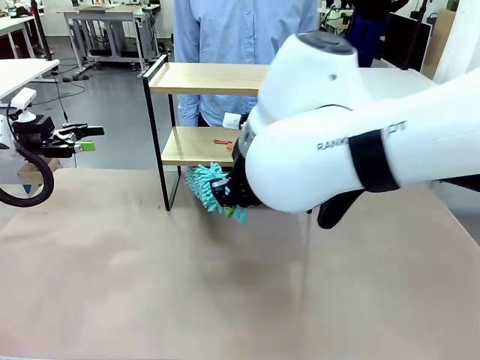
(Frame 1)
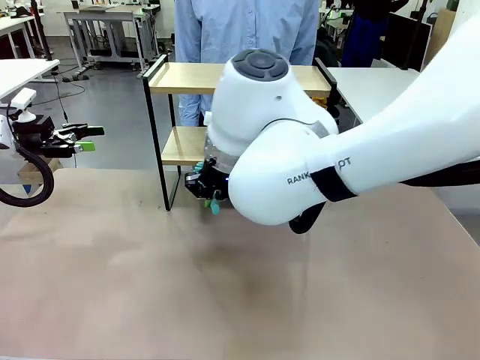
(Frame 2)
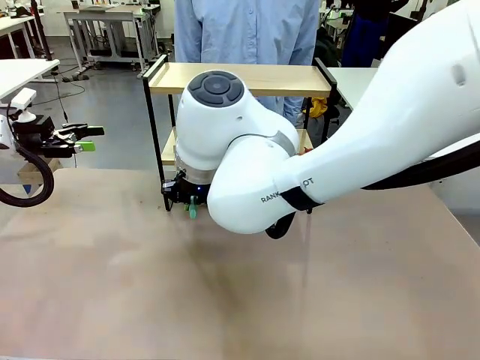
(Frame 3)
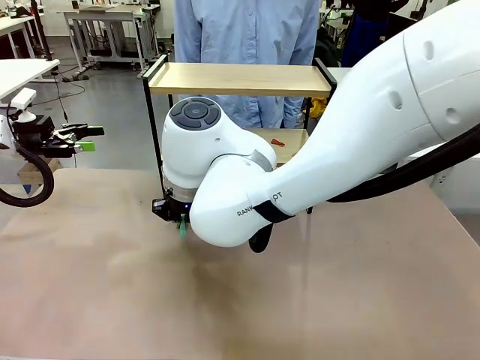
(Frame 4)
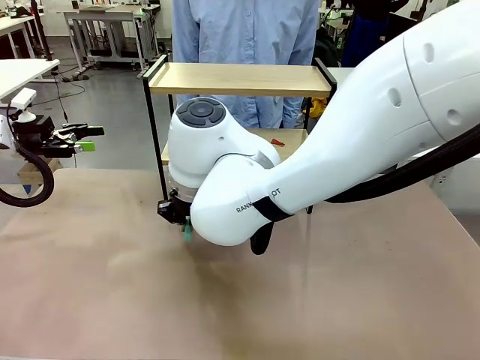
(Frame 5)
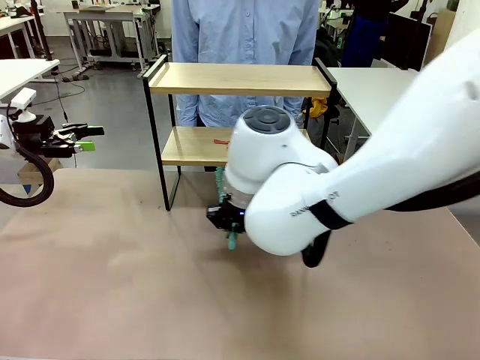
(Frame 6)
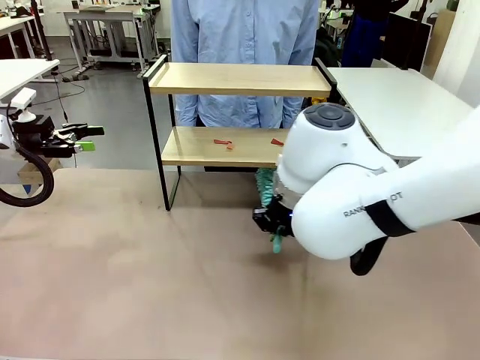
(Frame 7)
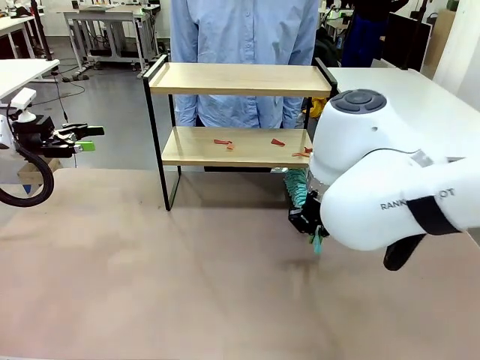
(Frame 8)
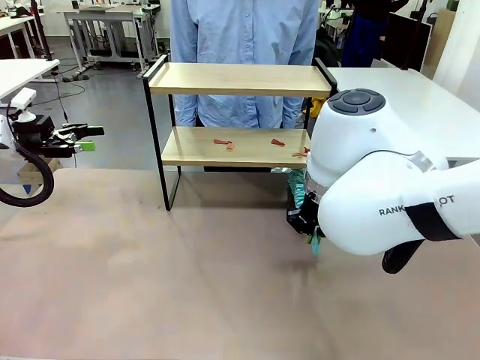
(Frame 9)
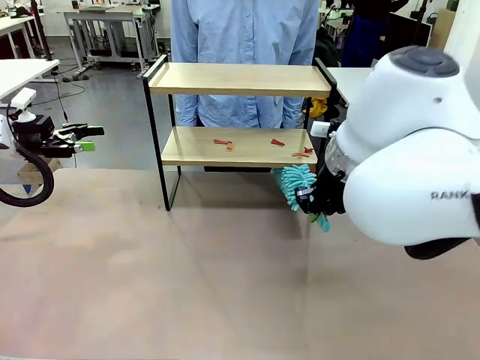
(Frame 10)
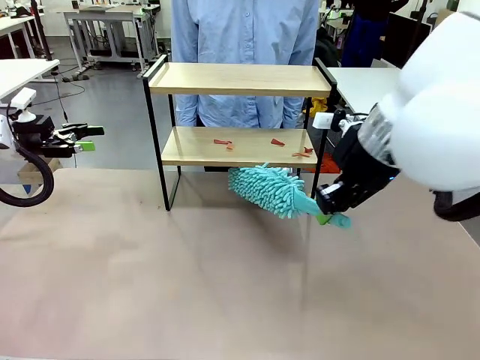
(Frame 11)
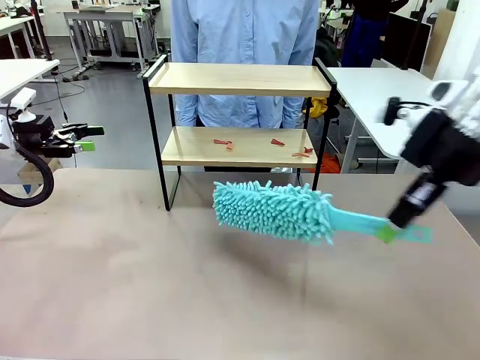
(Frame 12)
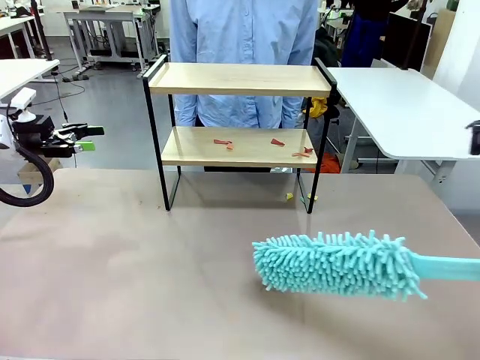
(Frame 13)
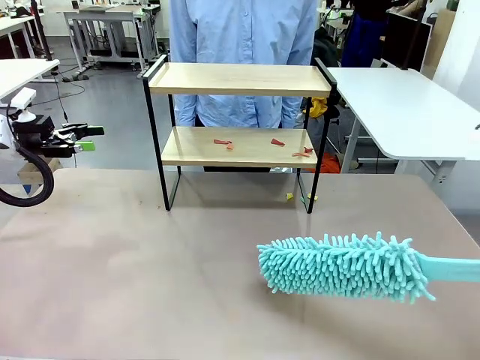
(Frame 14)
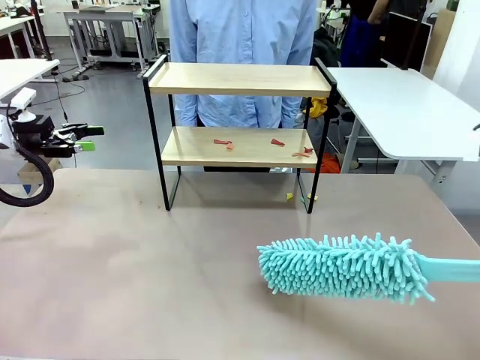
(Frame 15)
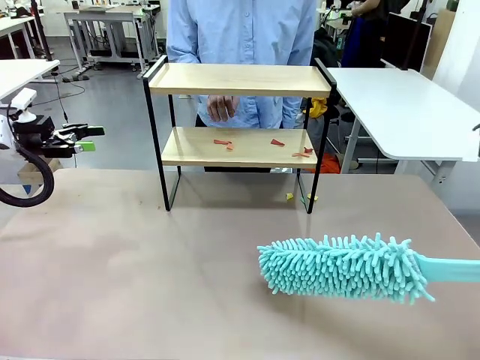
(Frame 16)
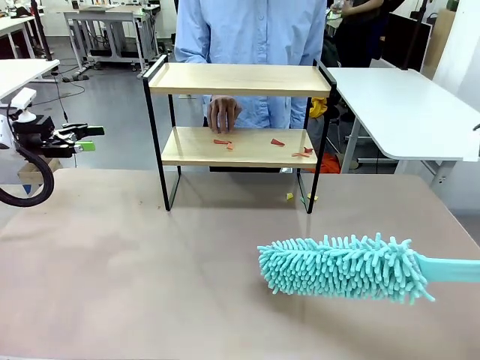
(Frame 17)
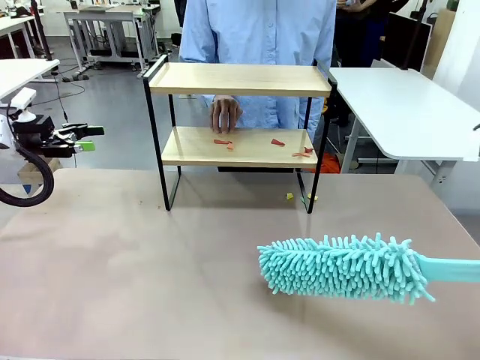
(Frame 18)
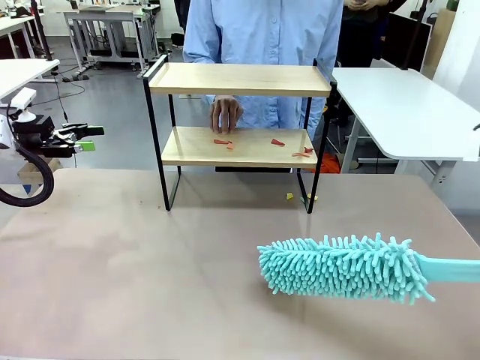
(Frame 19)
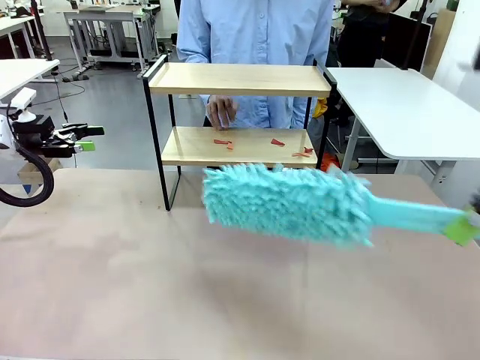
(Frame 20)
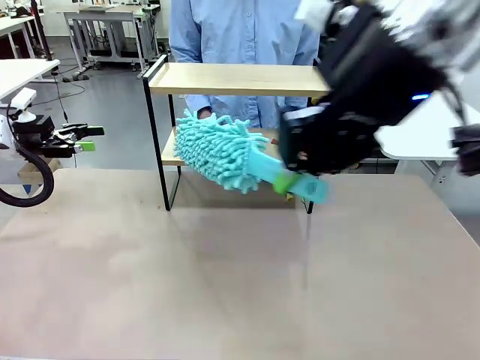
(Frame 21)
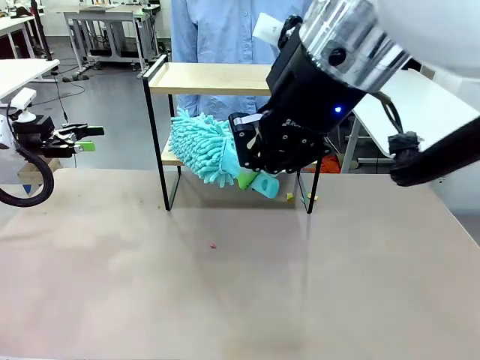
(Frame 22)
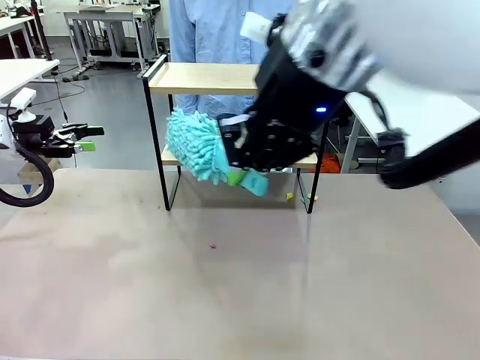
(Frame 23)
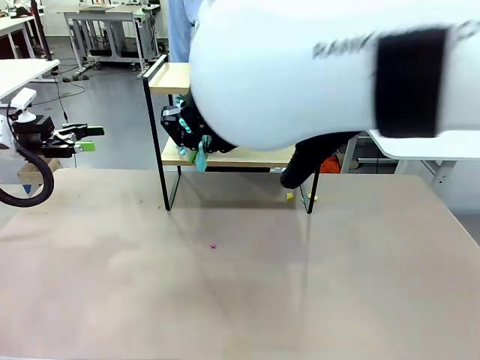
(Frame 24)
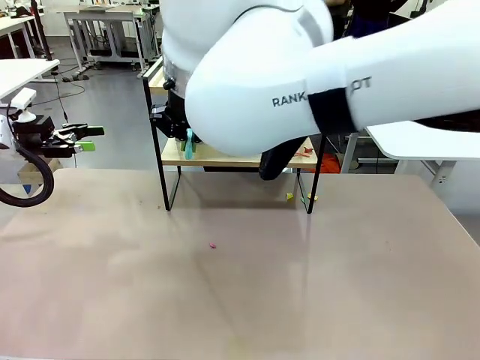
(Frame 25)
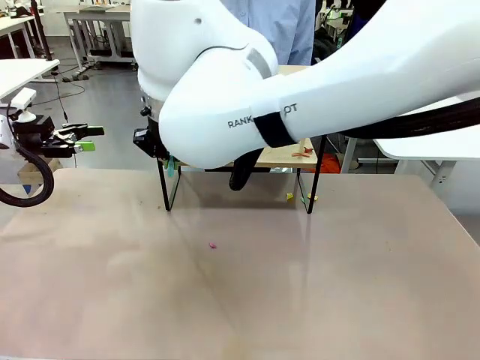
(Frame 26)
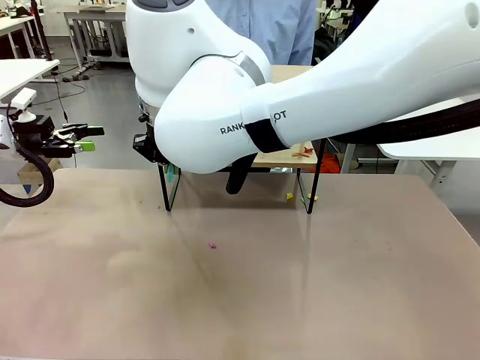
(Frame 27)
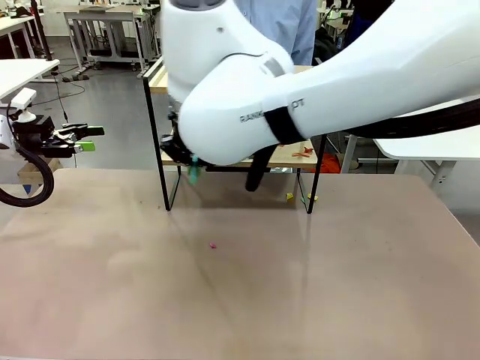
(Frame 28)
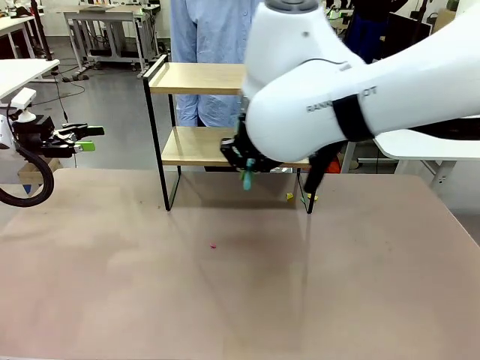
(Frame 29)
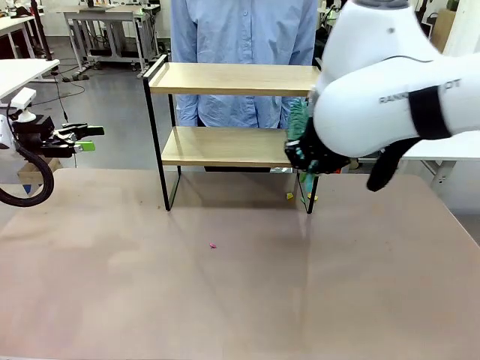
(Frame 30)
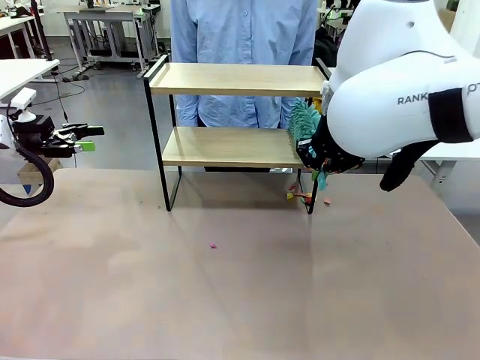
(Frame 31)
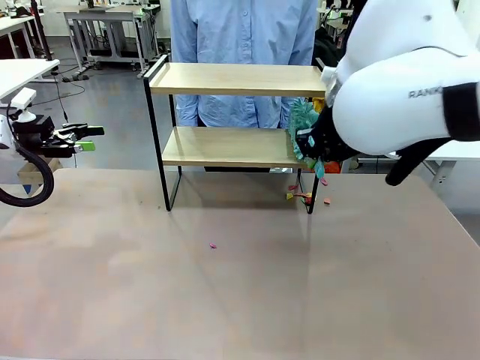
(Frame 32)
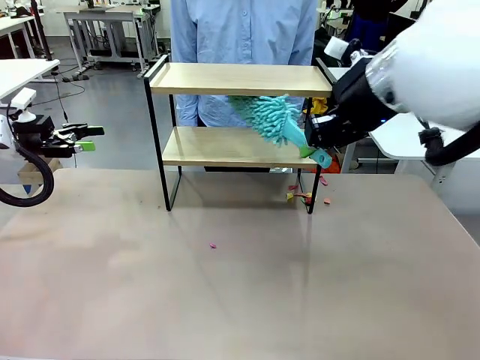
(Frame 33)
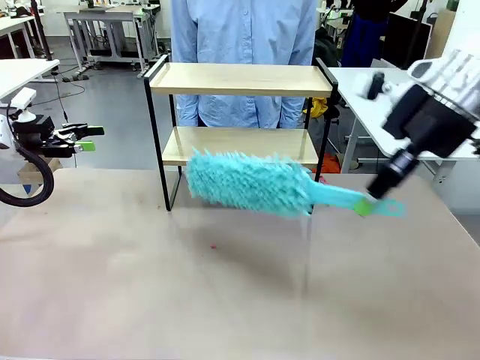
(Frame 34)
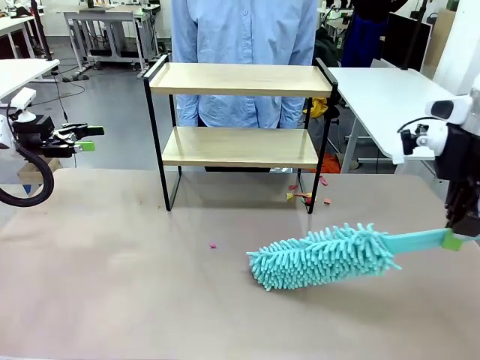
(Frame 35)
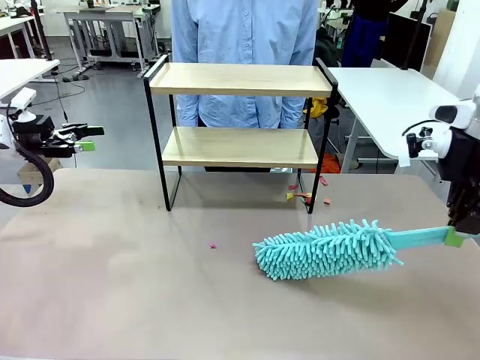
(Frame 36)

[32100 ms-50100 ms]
Task: Clean the shelf.
Robot: Clean the specific section of the Shelf indicated by the human with the Duster.
Person: Point a remaining section of the Shelf.

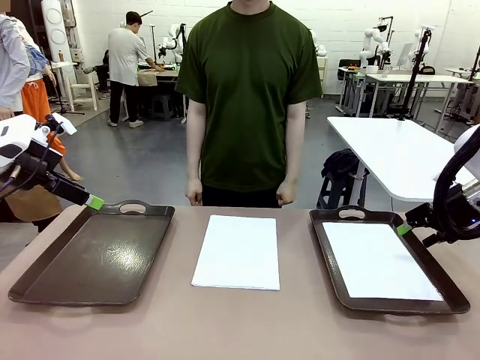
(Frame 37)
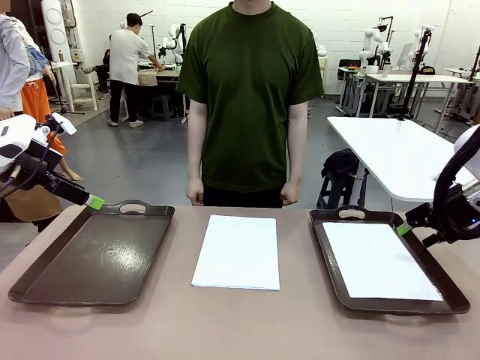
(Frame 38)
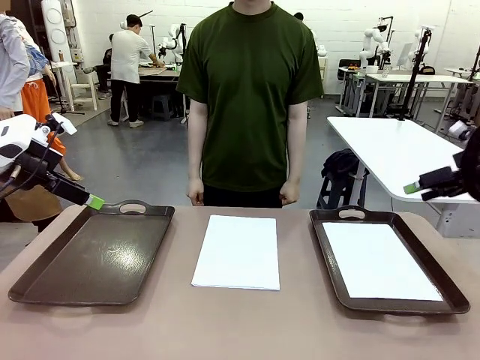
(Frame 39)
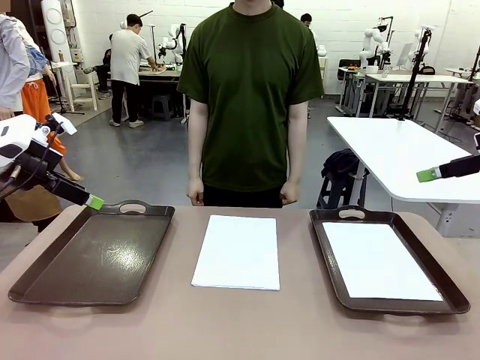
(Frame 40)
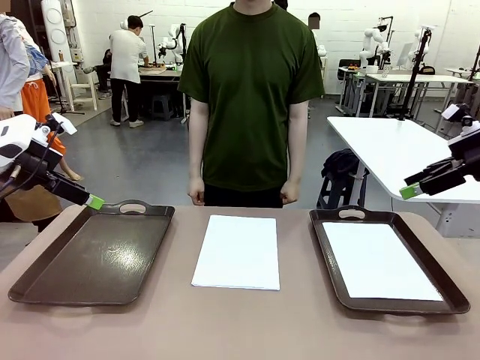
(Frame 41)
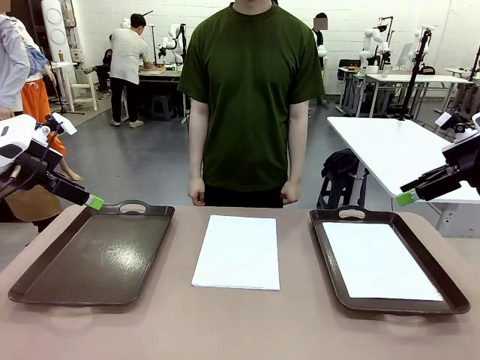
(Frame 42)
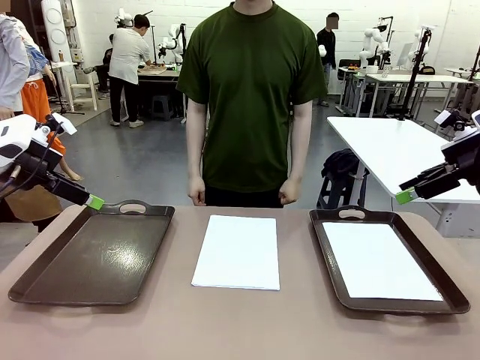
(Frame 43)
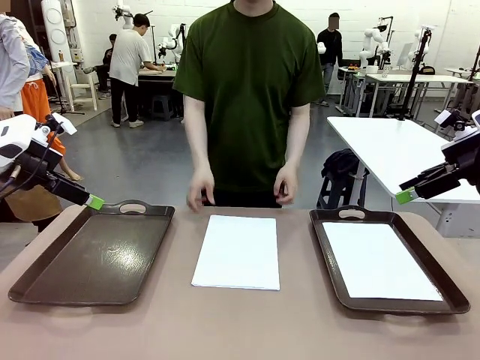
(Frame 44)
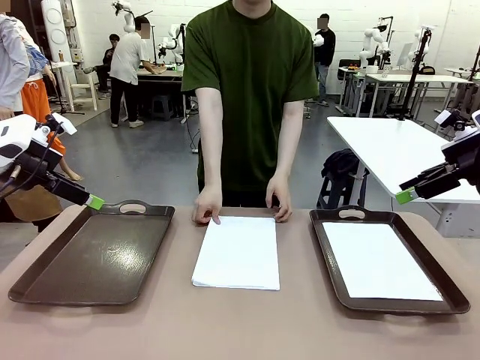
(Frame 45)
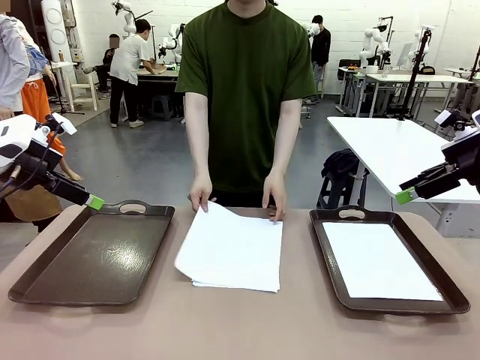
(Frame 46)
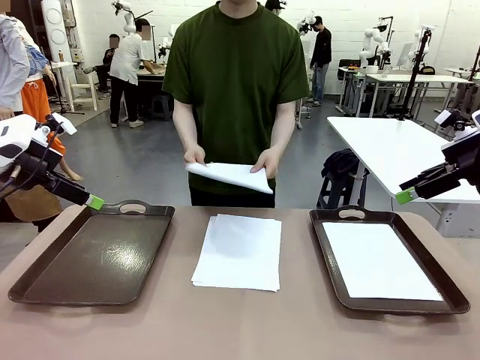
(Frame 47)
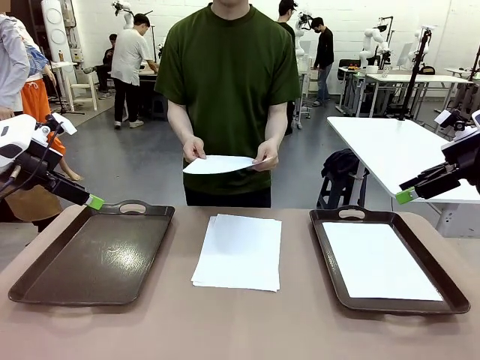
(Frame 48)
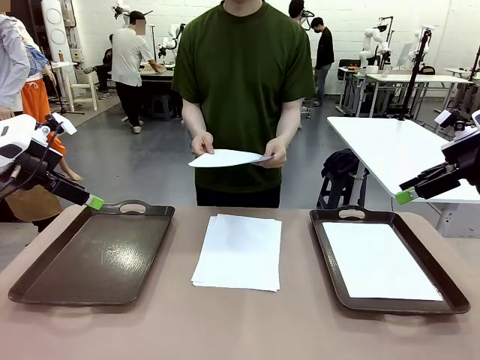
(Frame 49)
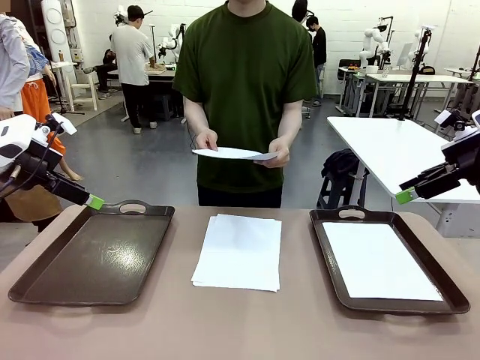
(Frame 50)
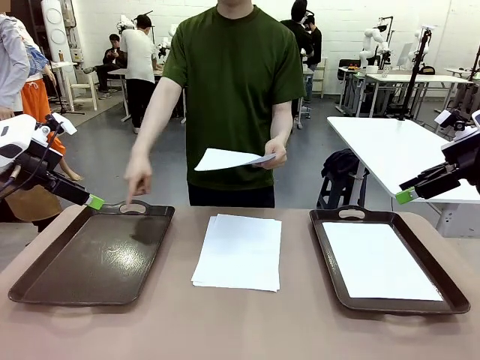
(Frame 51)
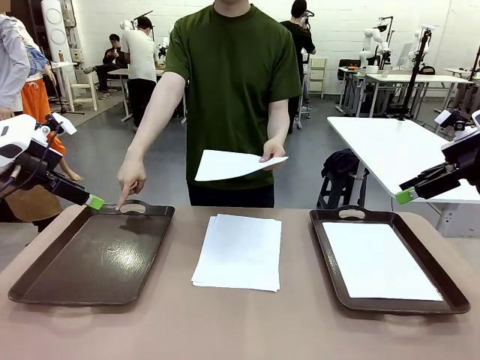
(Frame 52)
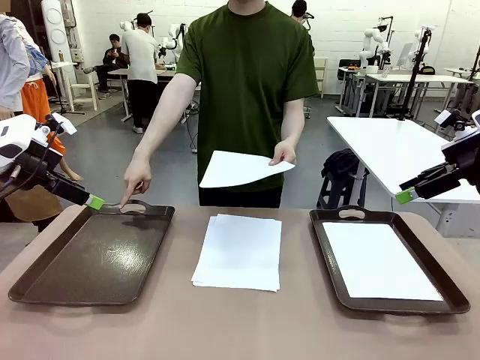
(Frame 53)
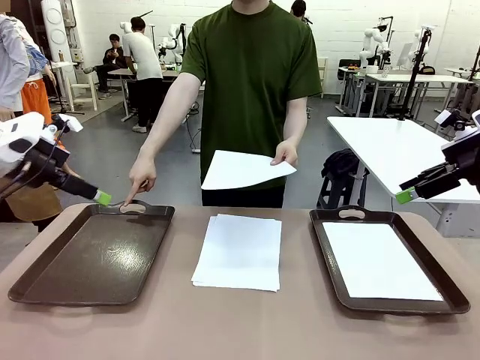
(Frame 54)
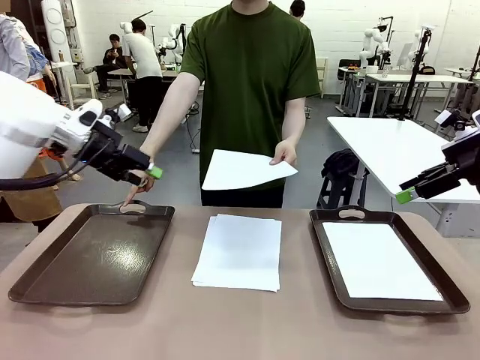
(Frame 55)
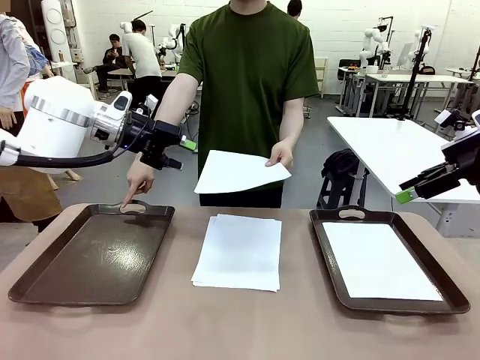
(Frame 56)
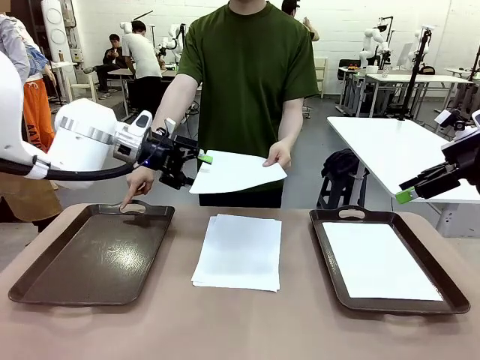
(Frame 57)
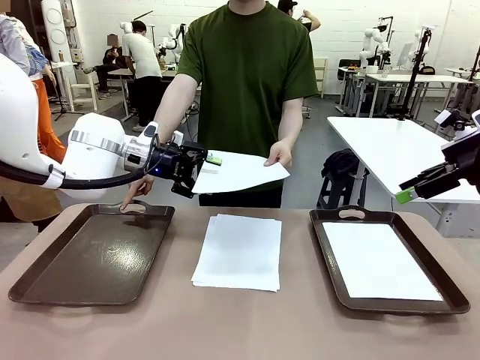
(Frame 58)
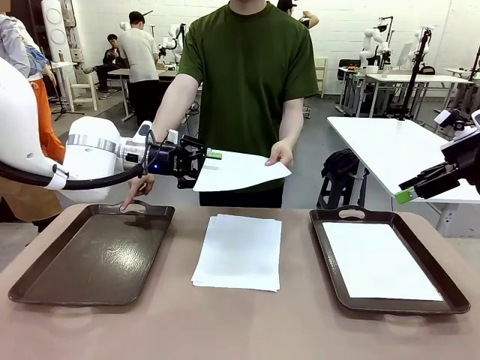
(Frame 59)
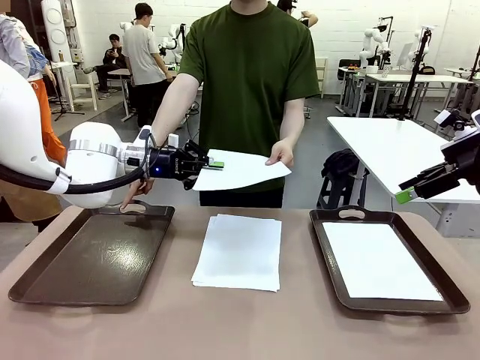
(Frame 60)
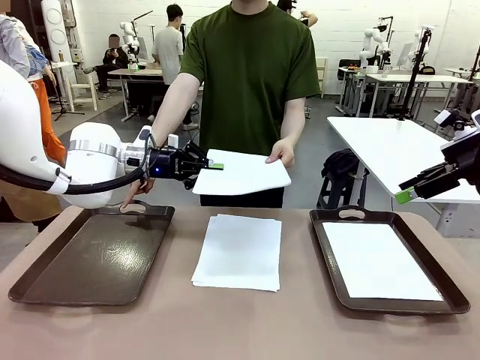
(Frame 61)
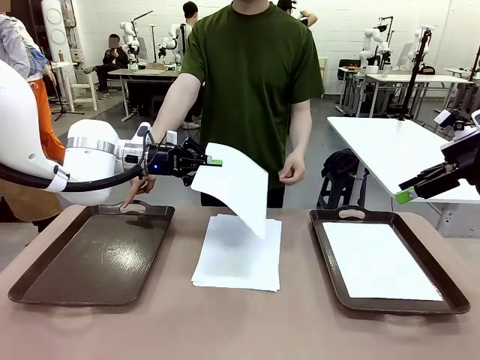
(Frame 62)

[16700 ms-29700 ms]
Task: Sort the A4 documents.
Robot: Receive the A4 Paper.
Person: Point the randomly selected tray with the other hand.
